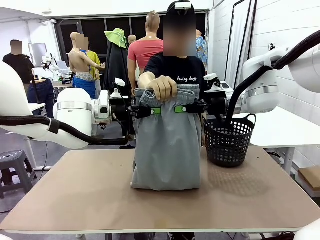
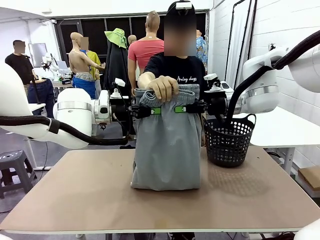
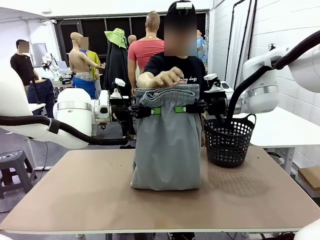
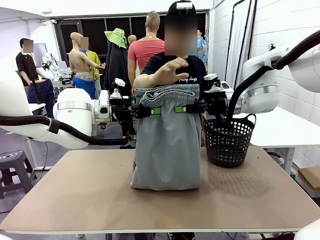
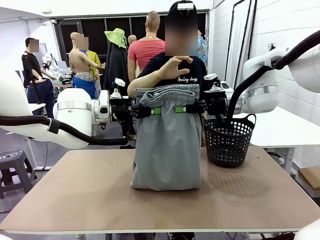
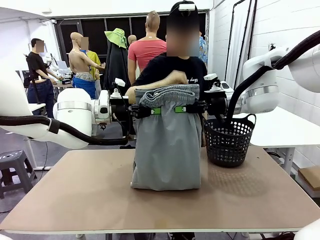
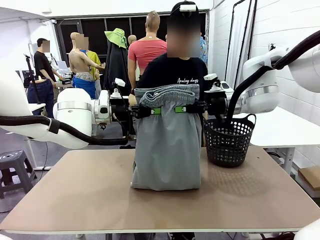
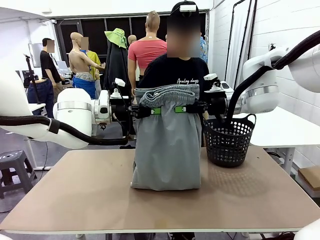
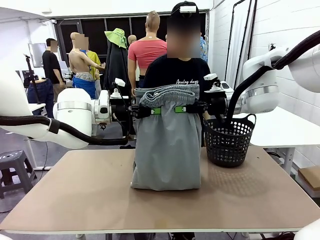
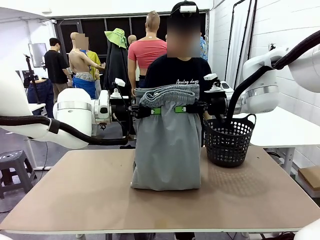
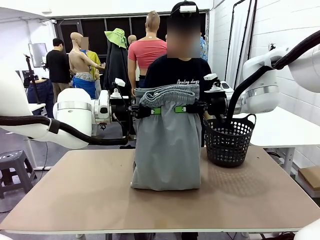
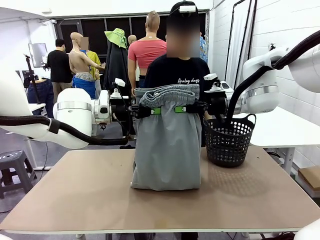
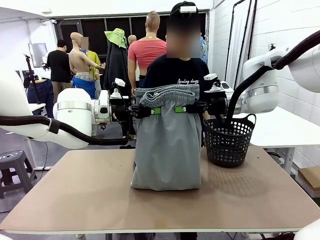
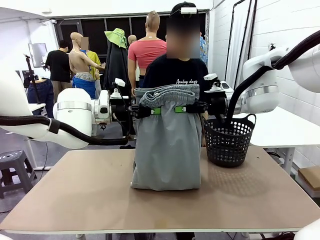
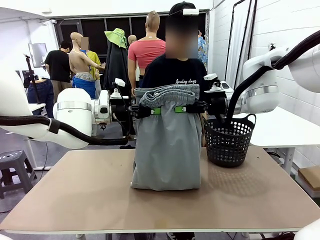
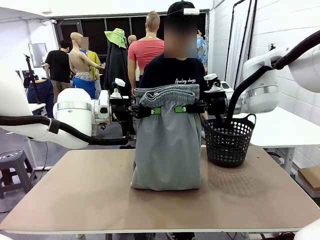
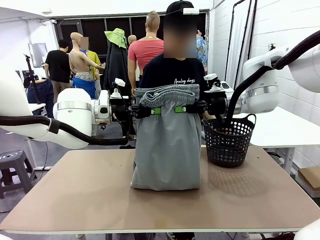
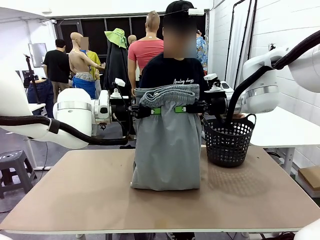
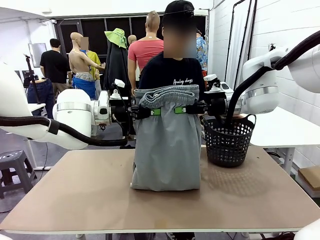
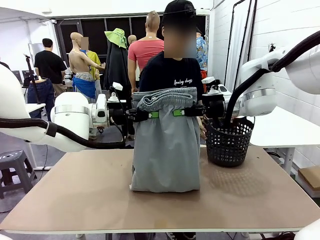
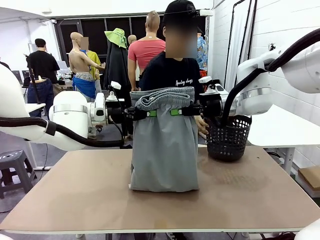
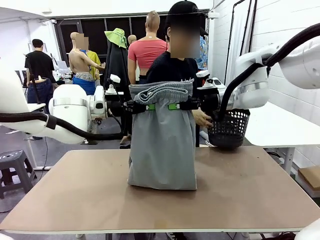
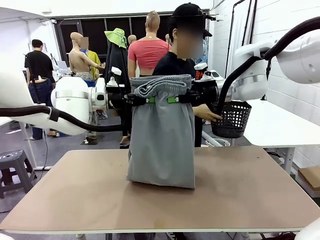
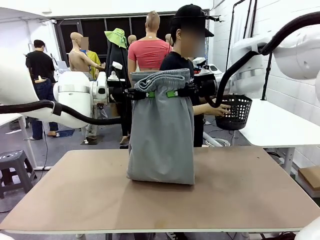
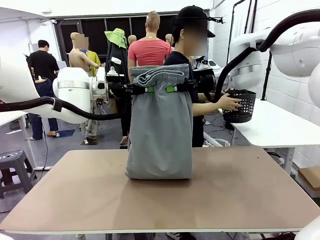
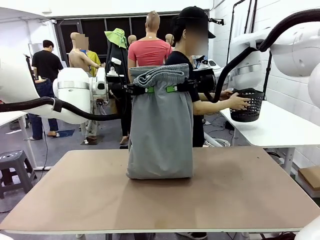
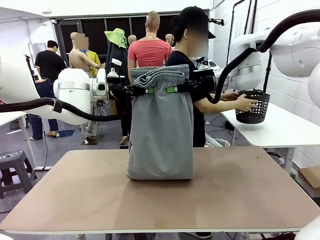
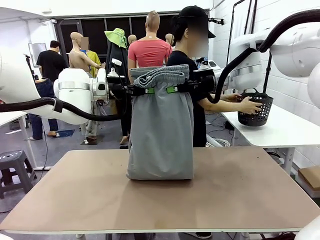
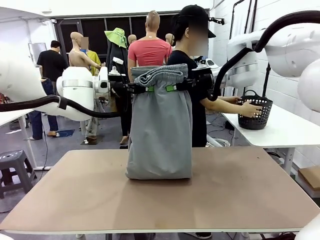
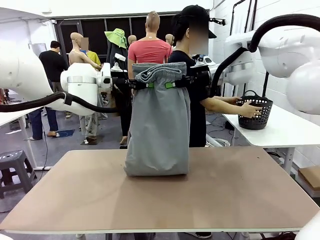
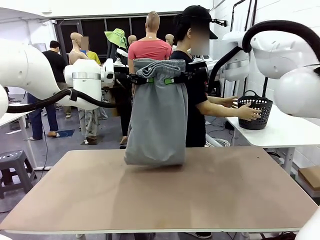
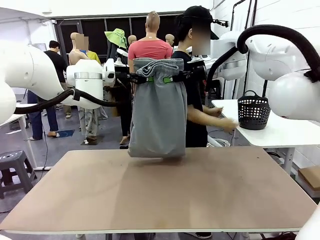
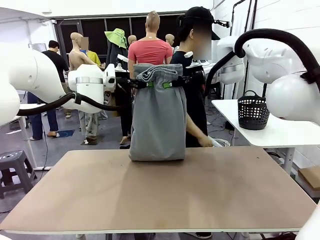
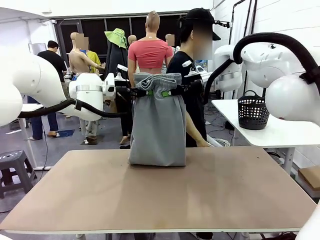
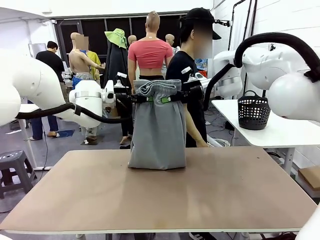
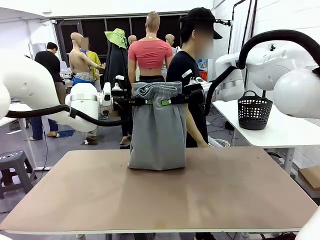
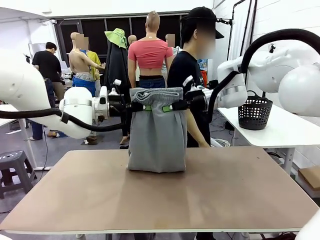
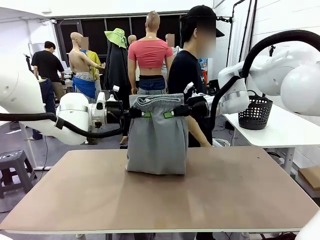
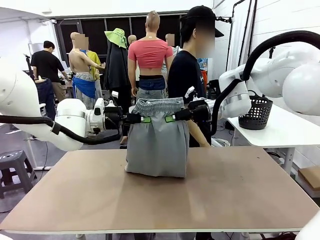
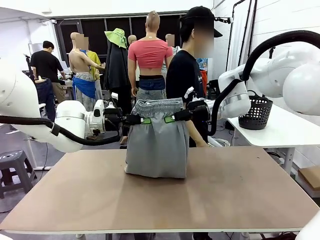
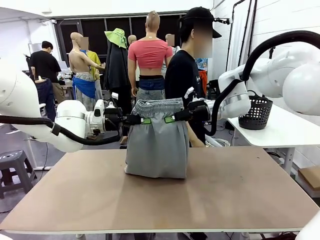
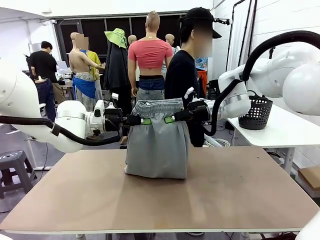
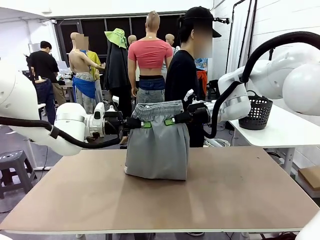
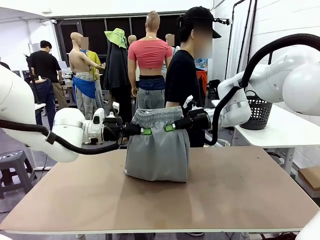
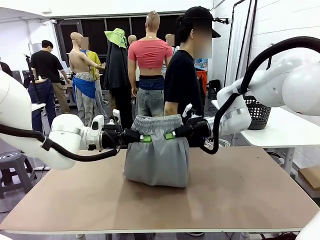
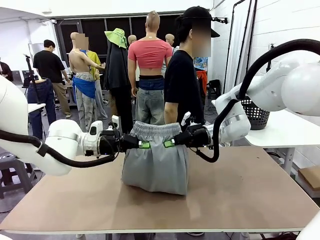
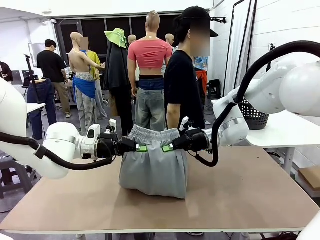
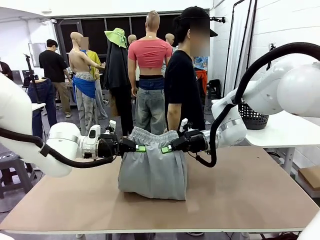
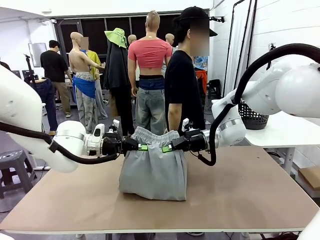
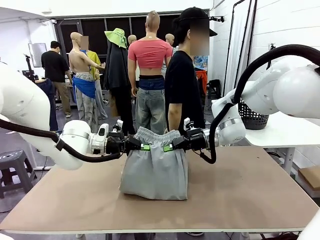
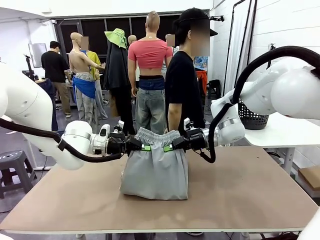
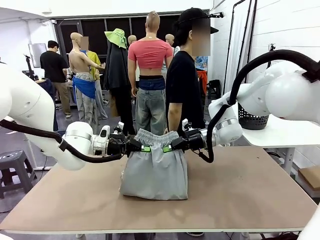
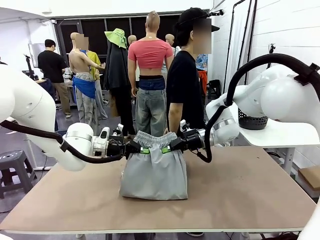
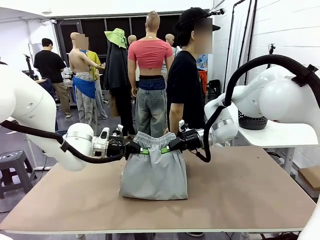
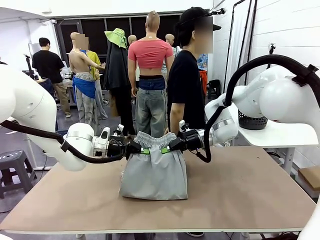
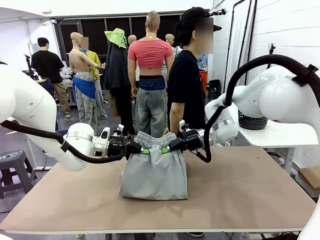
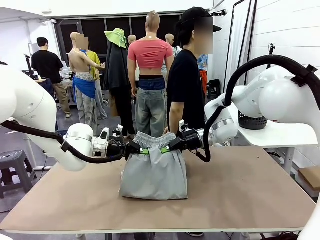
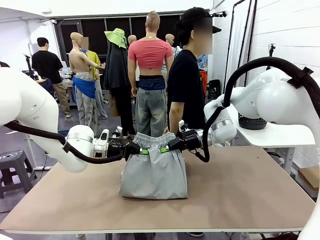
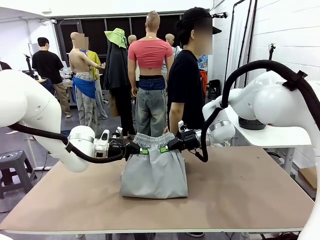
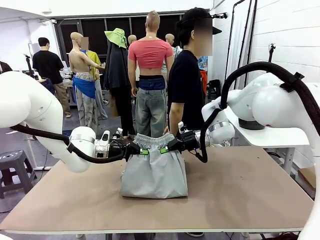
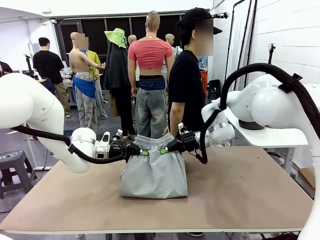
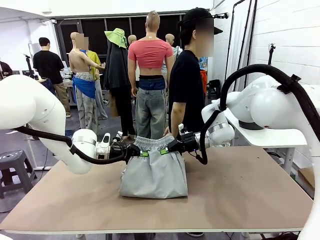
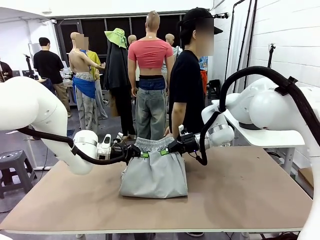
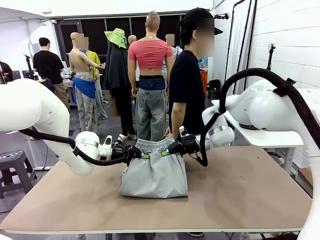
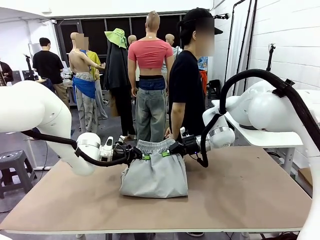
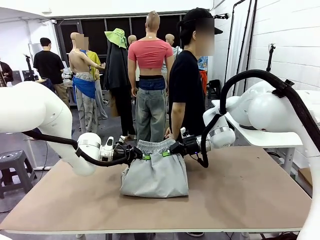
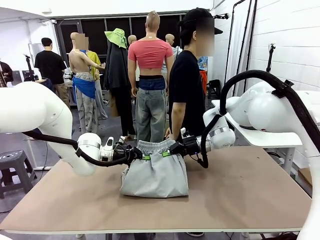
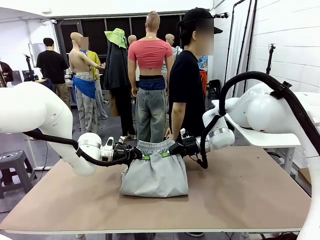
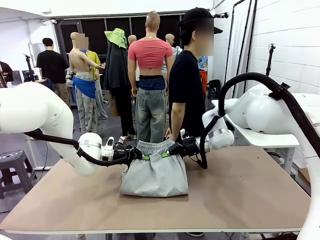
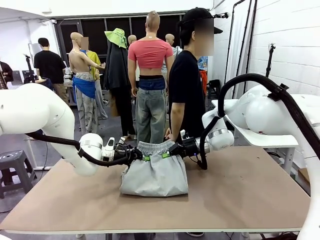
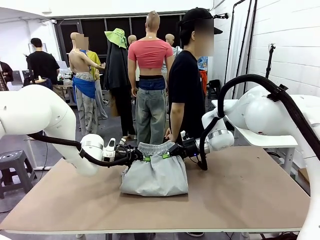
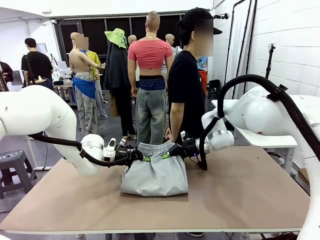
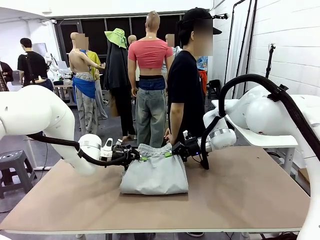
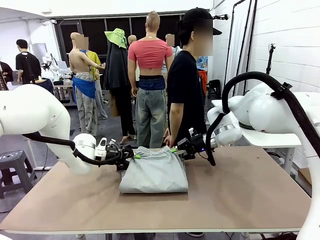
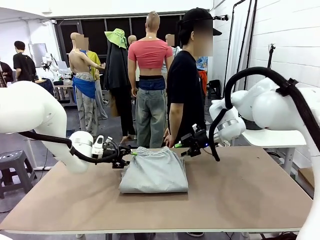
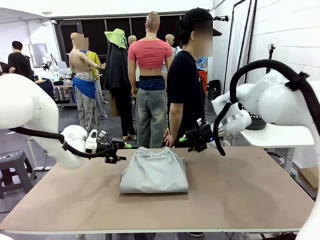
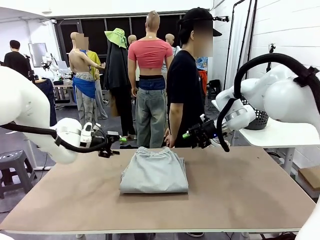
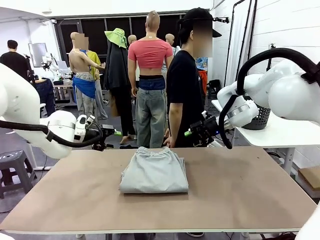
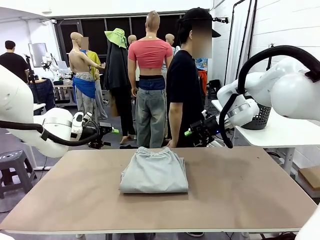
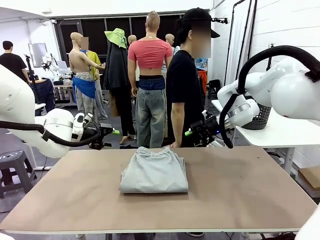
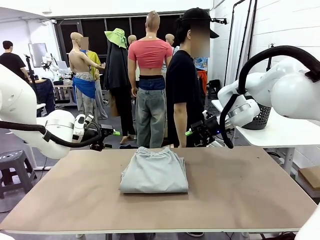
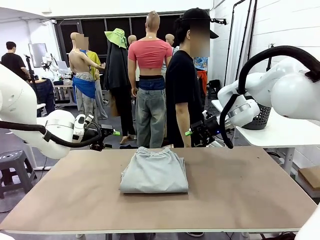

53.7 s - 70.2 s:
Task: Fold the training pants.
Robot: Fold the Training pants in half.
Person: Move the laundry basket to the right of the human table.
